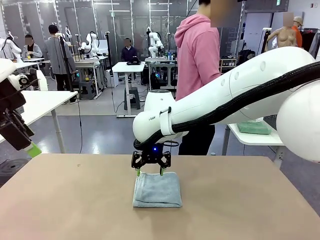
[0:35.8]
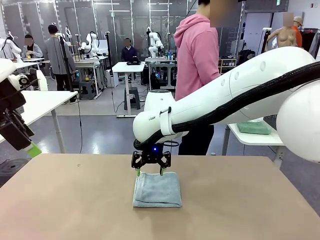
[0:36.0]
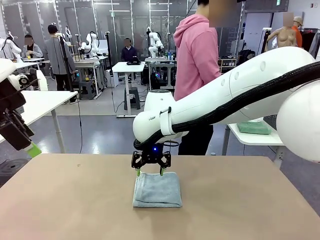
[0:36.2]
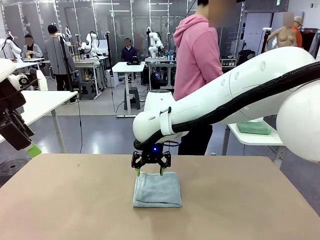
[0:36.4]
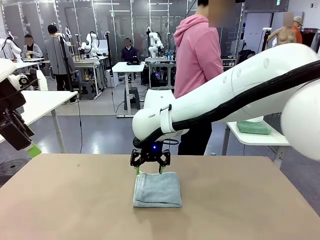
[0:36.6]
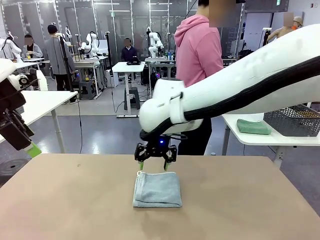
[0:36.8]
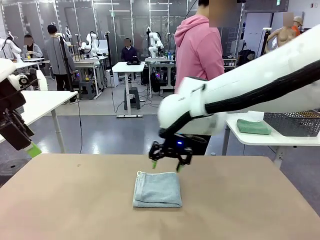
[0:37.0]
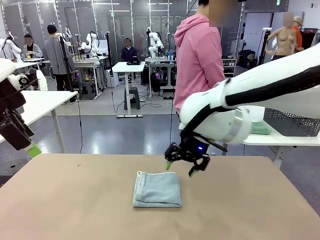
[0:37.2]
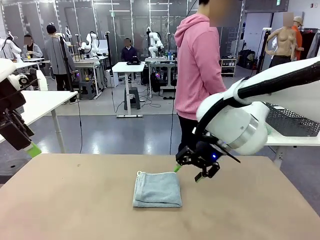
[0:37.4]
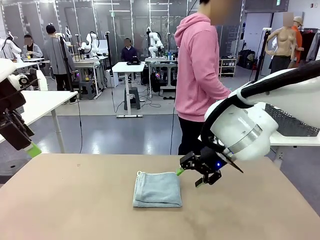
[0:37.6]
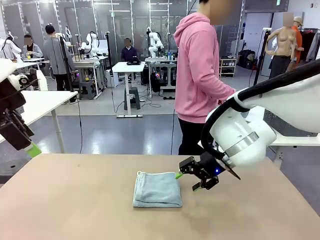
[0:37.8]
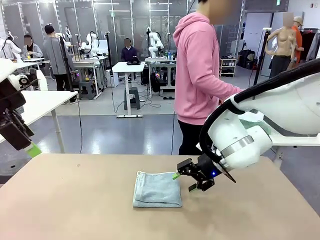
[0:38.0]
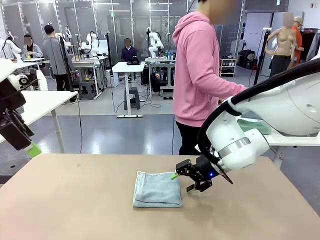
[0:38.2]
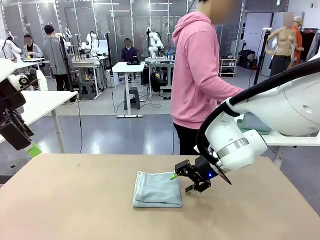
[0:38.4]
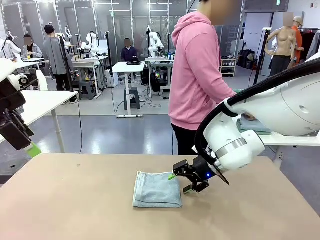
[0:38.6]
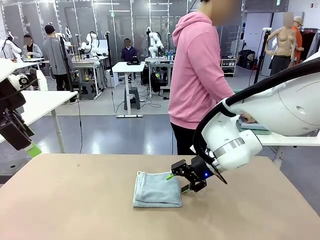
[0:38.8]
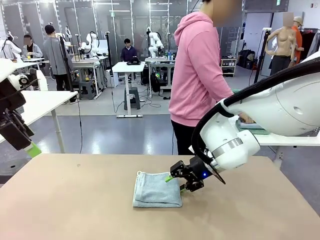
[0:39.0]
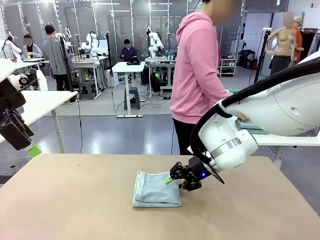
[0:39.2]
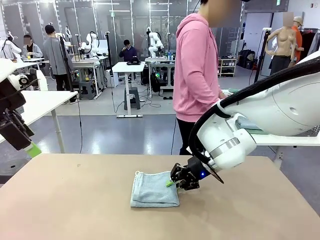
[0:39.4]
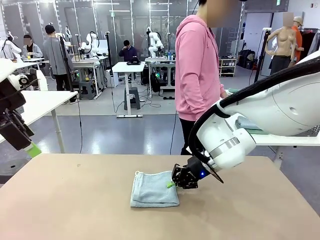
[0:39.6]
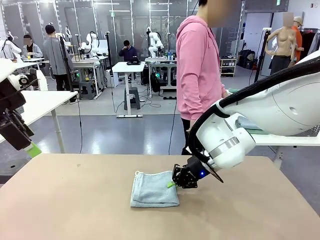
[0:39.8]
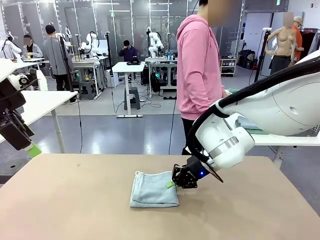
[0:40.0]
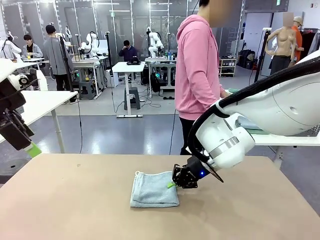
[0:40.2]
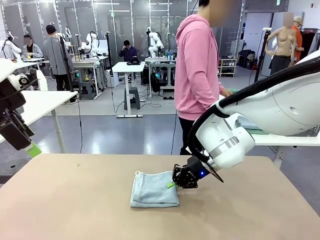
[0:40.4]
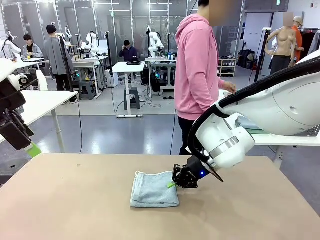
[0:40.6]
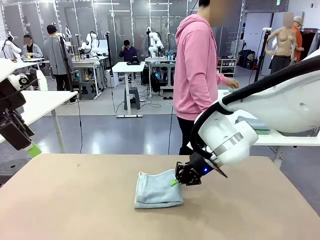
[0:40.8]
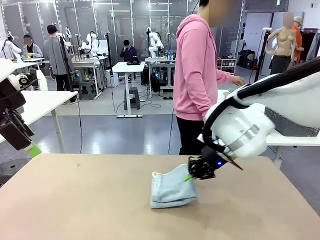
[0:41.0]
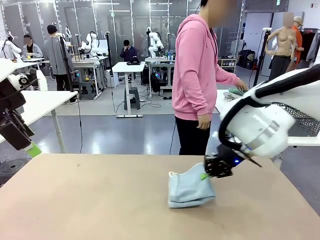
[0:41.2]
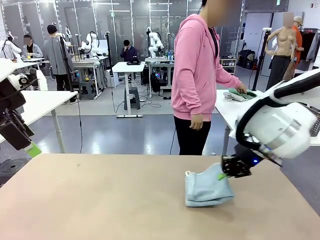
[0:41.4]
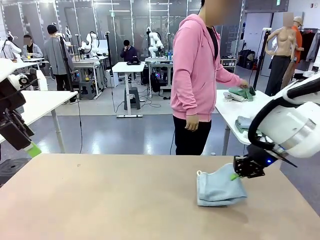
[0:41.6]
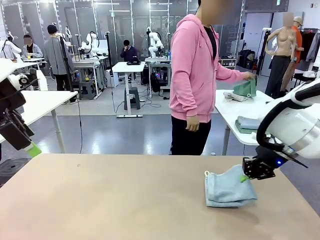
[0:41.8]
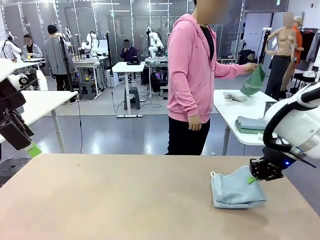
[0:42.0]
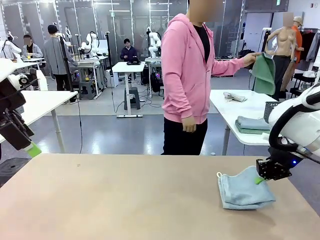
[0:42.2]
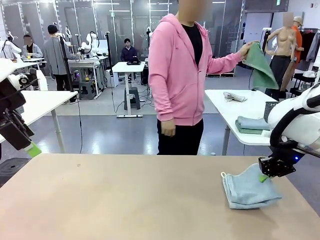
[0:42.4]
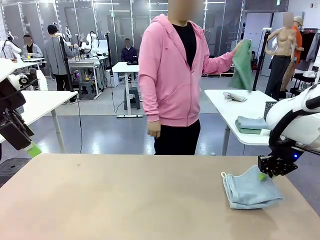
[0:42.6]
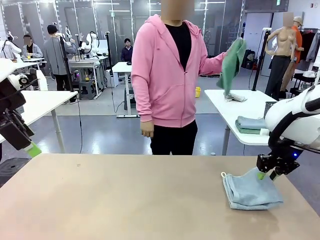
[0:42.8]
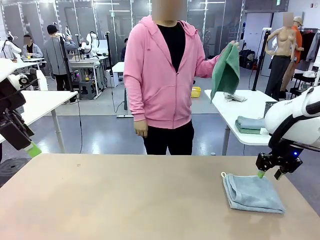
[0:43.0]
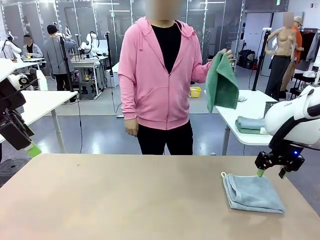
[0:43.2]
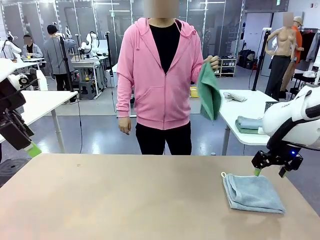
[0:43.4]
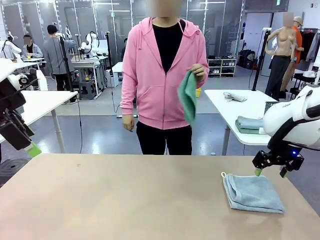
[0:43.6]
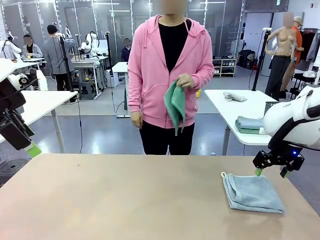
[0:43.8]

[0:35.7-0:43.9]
Task: Fold the towels and place them in the basket.
Robot: Place the folded Towel with hook on the right side of the table.

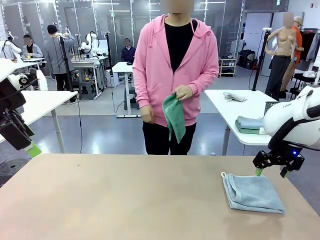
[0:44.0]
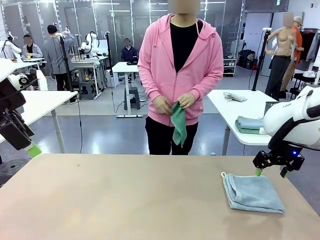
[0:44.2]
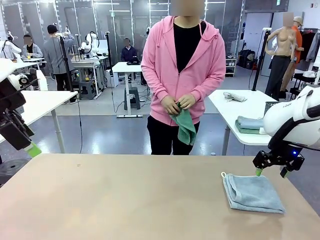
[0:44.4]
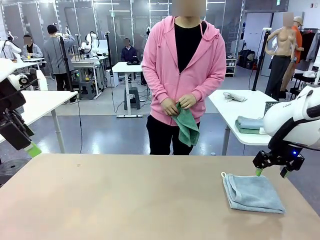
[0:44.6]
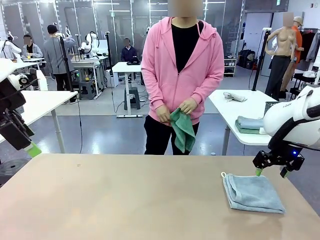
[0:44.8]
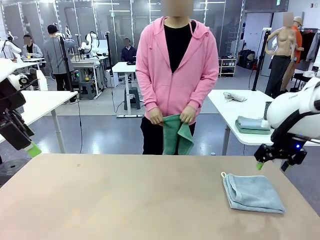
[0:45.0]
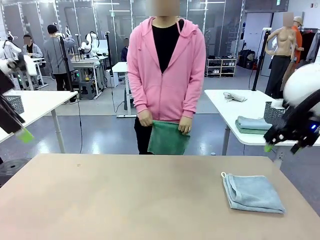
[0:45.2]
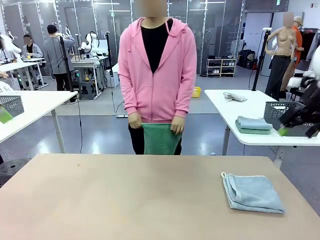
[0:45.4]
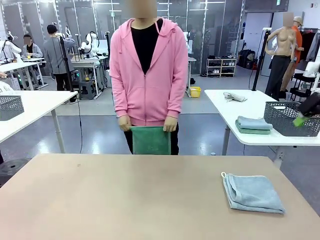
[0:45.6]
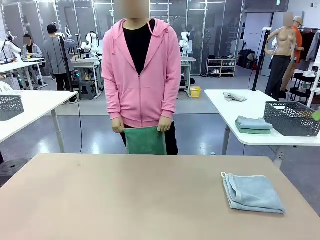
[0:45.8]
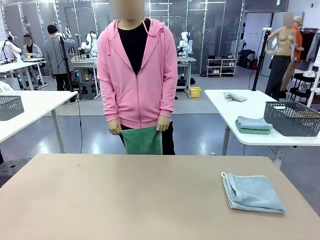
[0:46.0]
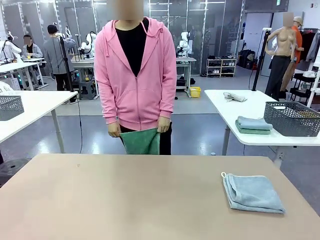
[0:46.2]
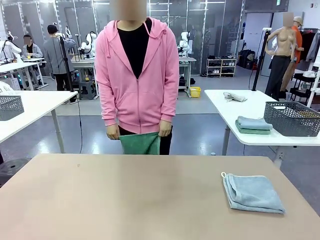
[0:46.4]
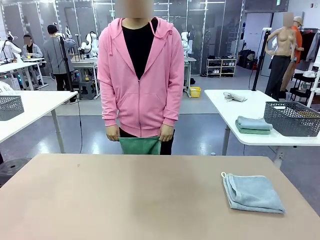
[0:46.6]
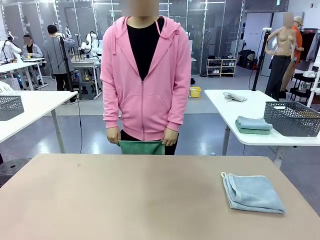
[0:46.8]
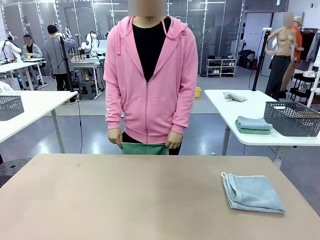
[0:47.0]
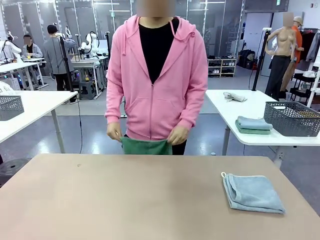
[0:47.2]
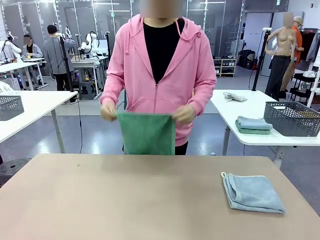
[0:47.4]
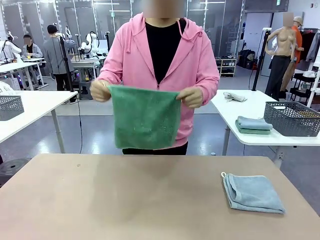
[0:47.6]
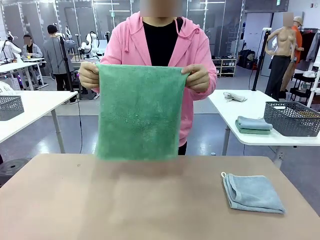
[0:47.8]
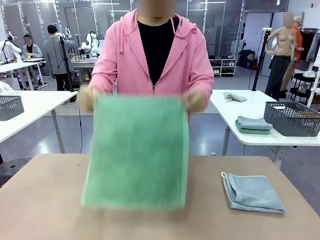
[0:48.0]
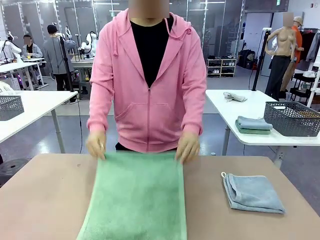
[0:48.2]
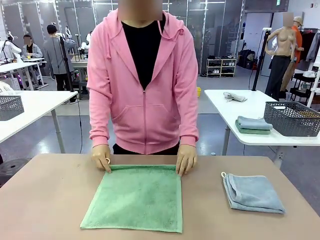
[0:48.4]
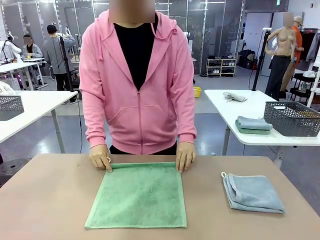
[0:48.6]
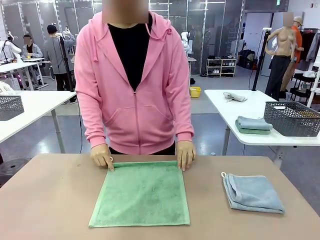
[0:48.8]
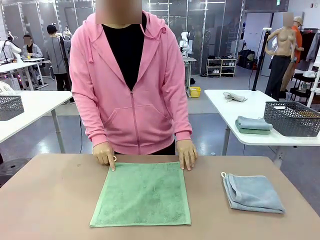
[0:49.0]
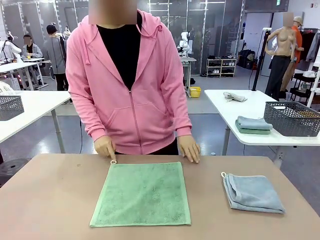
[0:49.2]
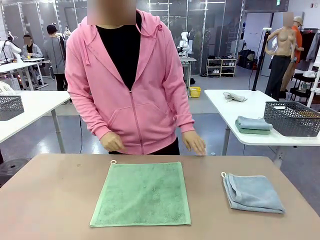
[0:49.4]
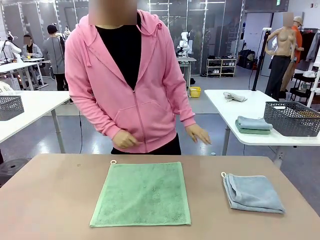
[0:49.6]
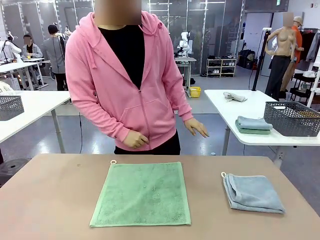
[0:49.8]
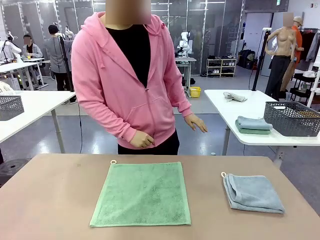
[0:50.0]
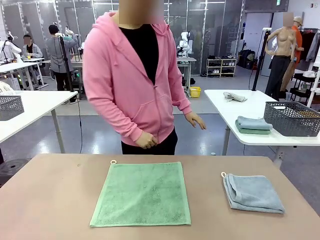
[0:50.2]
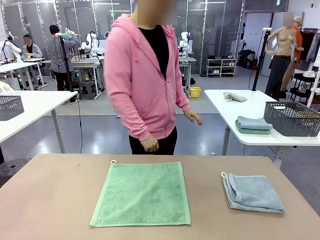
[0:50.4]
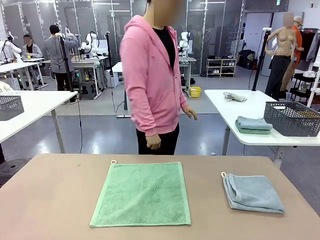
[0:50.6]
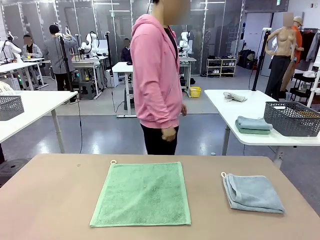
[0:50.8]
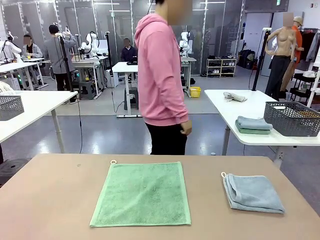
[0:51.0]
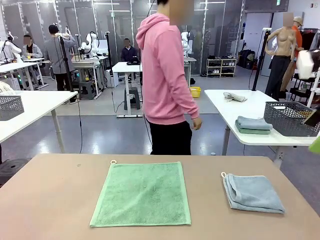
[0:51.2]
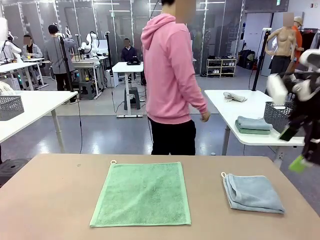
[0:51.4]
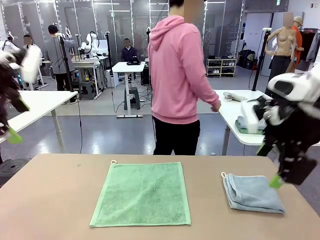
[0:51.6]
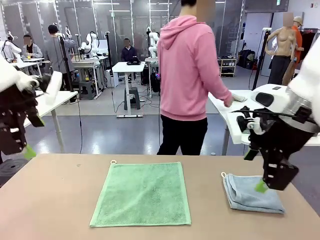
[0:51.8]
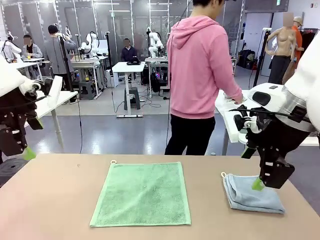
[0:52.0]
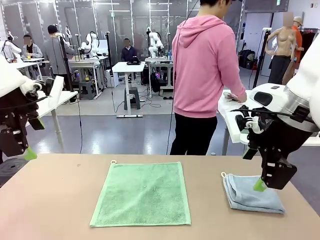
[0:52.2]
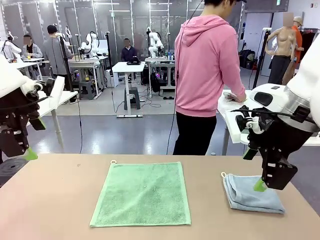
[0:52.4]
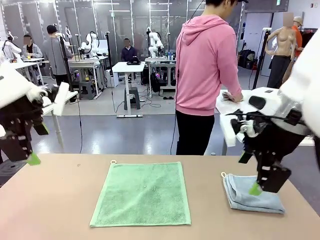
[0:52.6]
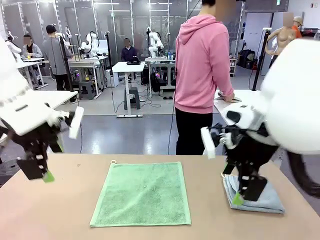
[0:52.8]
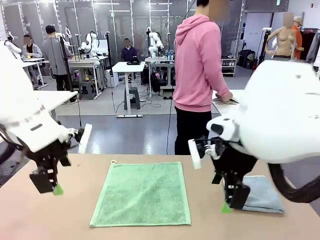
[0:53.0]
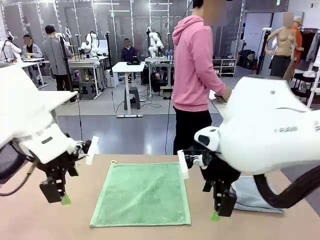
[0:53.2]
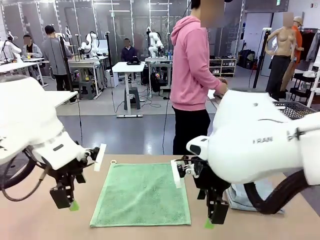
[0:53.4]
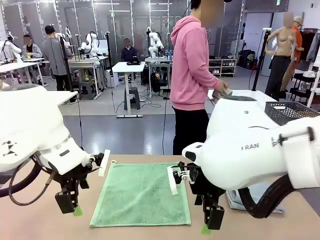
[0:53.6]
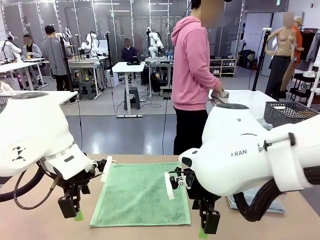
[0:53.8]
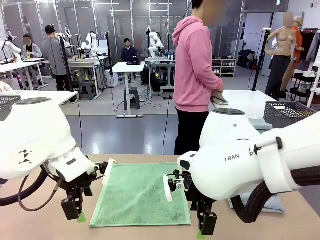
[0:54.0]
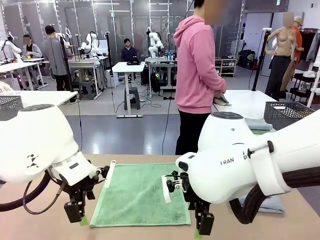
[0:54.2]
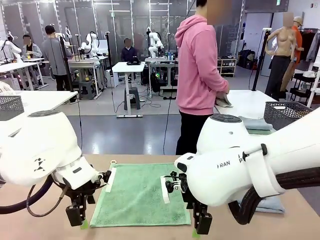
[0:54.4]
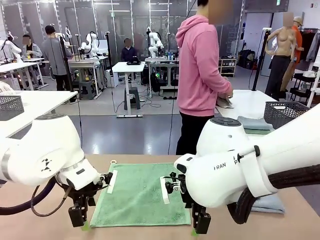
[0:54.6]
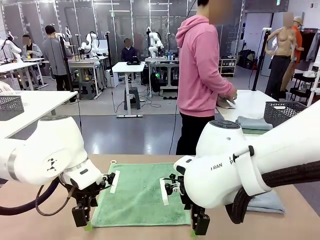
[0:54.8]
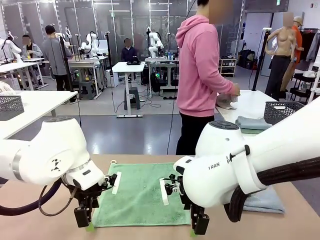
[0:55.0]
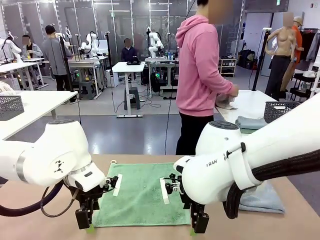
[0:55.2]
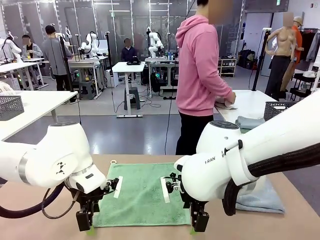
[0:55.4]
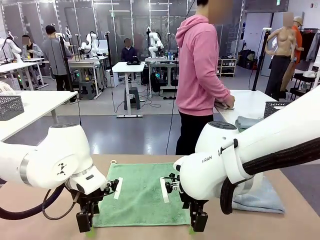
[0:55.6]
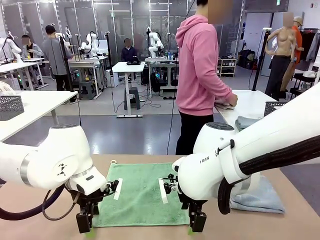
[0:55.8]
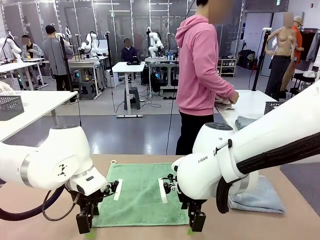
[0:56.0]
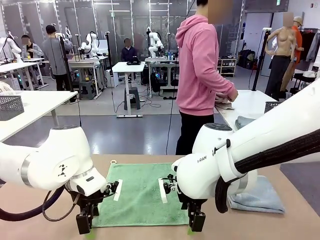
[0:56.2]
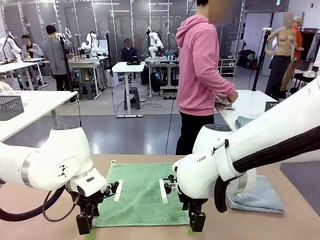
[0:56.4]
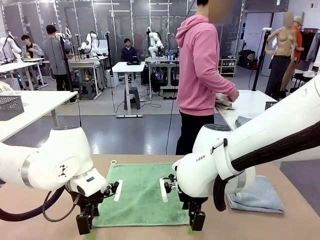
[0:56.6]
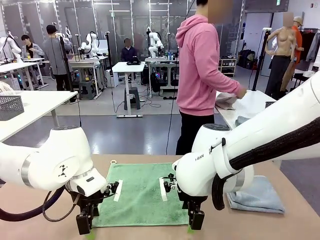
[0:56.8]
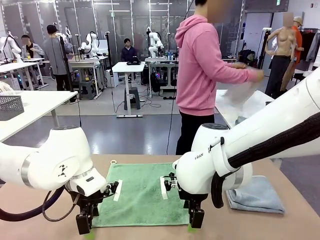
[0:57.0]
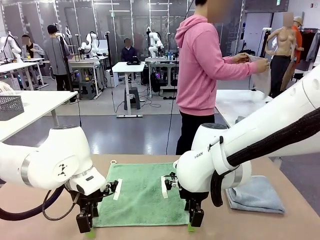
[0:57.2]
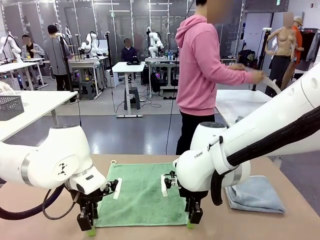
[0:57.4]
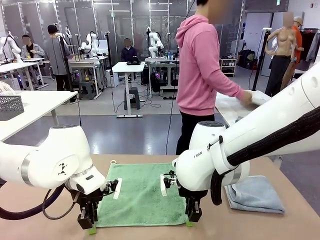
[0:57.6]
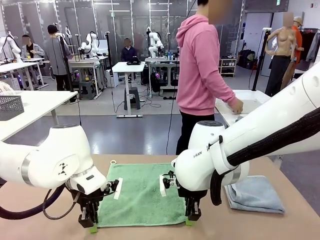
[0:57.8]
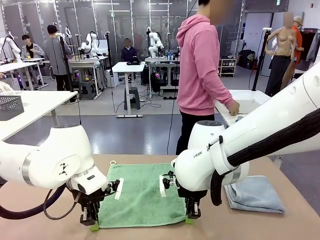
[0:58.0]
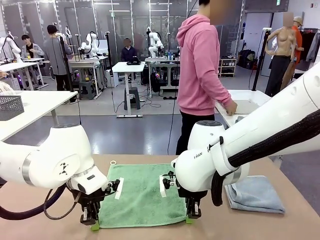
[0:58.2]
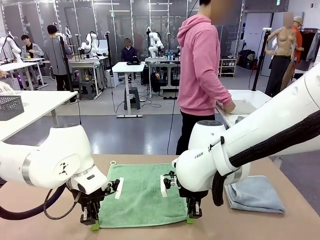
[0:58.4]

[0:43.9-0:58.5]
Robot: When a person lays out a Towel with hook on the table, fold it in half twice.
Person: Pick up one towel from the left side of the human table and spread it out at the center of the robot table. Pick up one towel from the left side of the human table, fold it in half twice, and stack it on the right side of the table.
